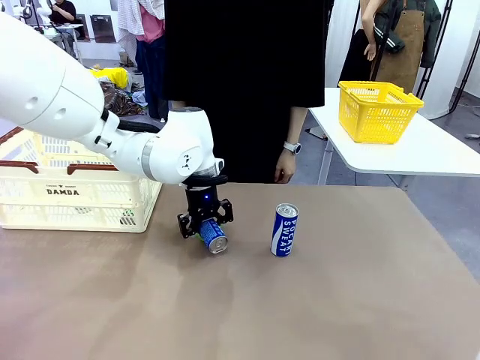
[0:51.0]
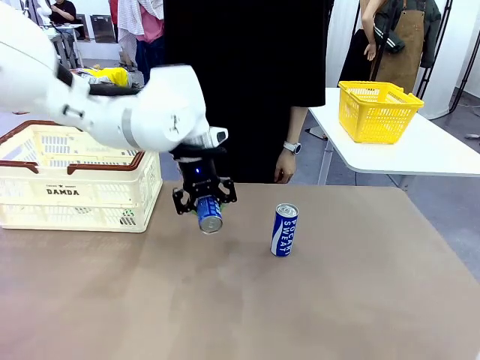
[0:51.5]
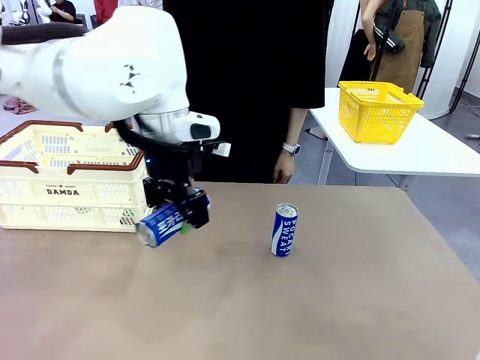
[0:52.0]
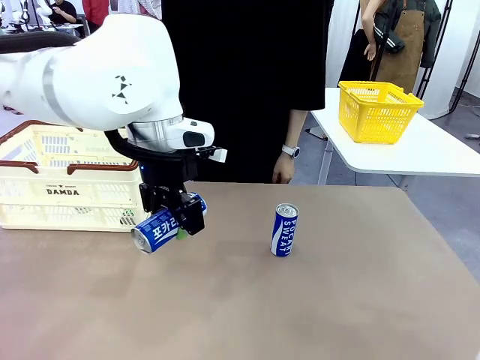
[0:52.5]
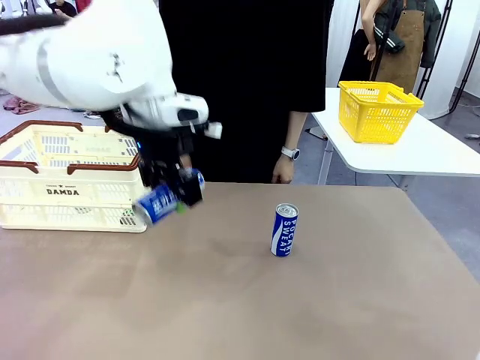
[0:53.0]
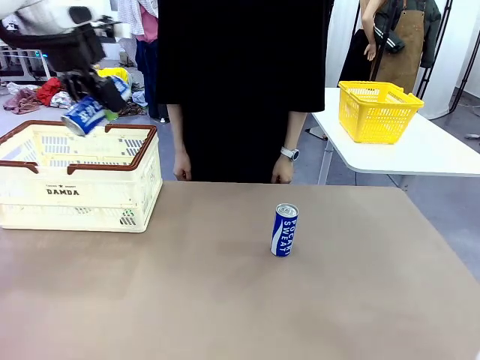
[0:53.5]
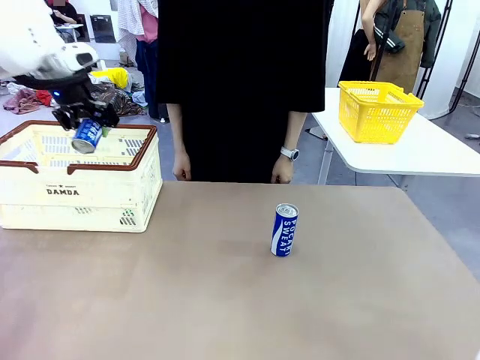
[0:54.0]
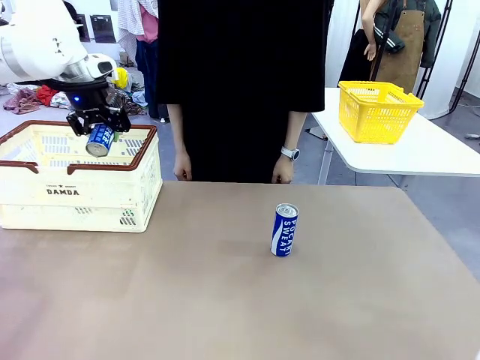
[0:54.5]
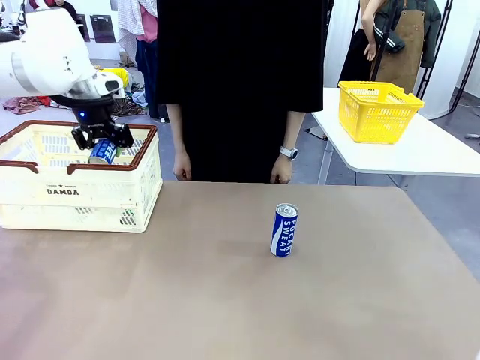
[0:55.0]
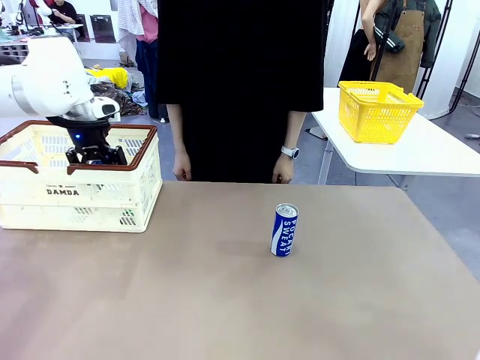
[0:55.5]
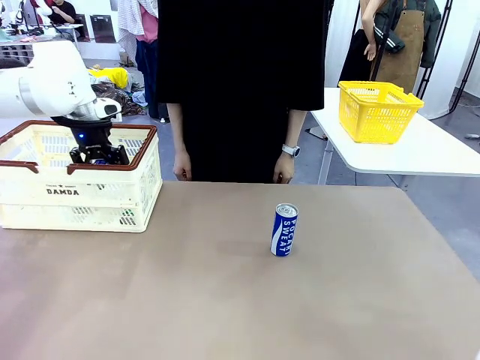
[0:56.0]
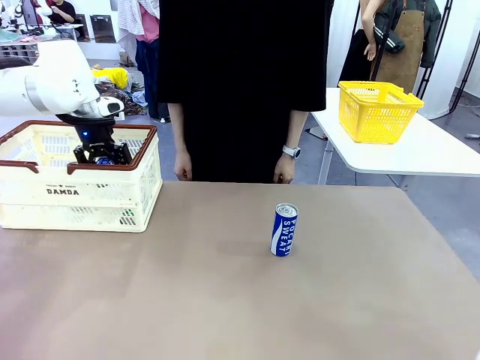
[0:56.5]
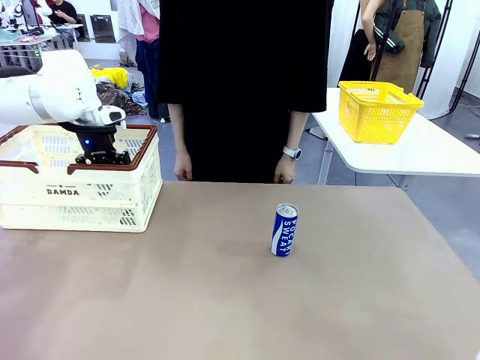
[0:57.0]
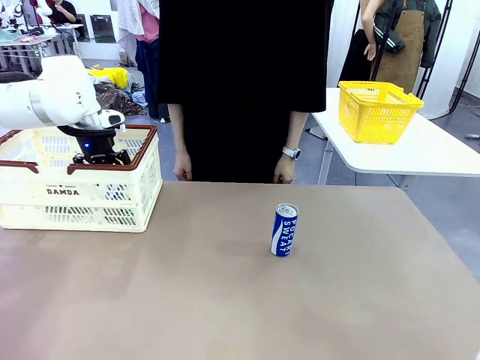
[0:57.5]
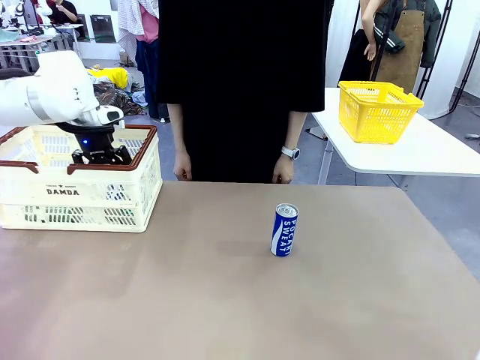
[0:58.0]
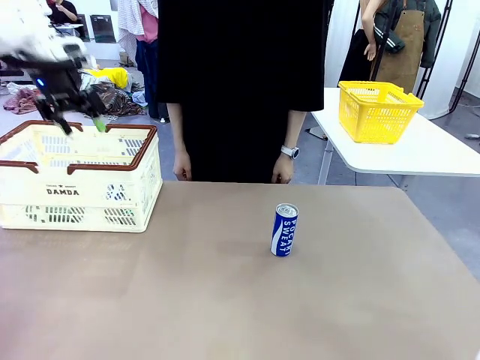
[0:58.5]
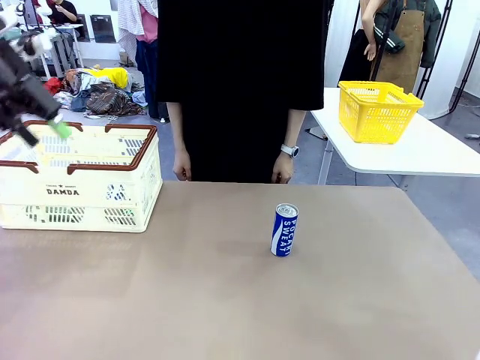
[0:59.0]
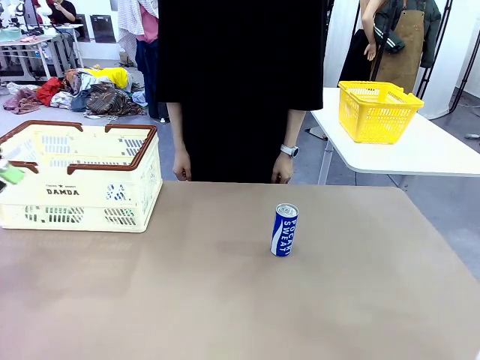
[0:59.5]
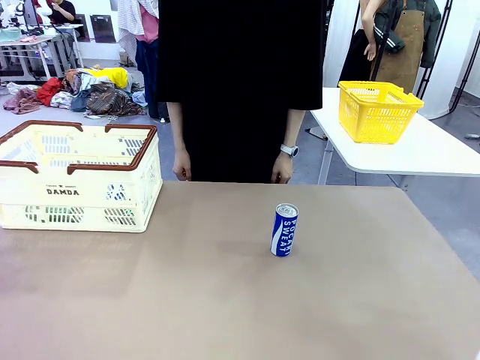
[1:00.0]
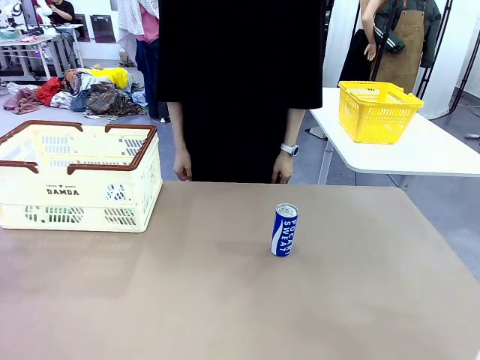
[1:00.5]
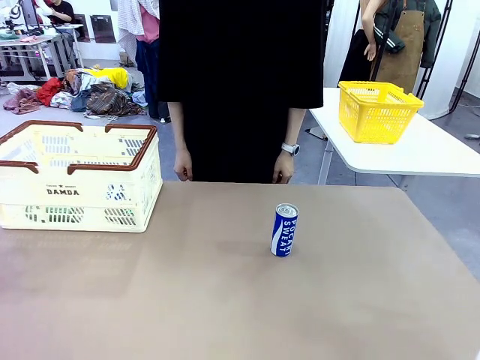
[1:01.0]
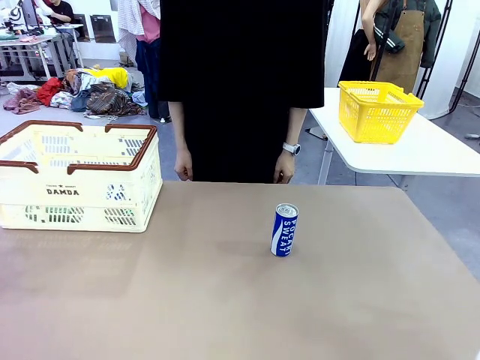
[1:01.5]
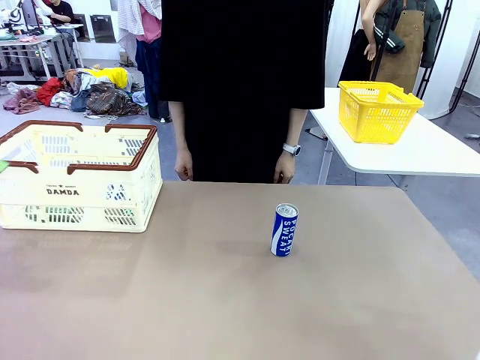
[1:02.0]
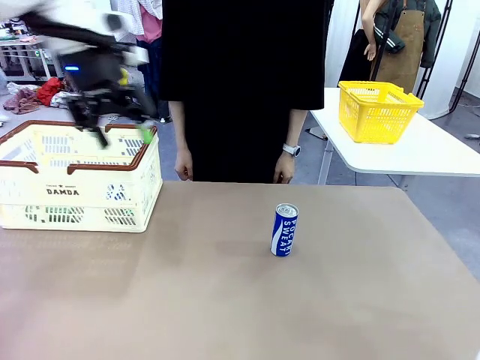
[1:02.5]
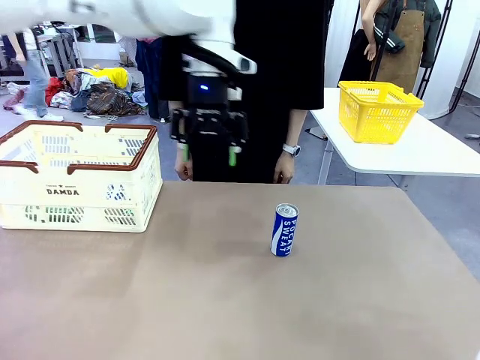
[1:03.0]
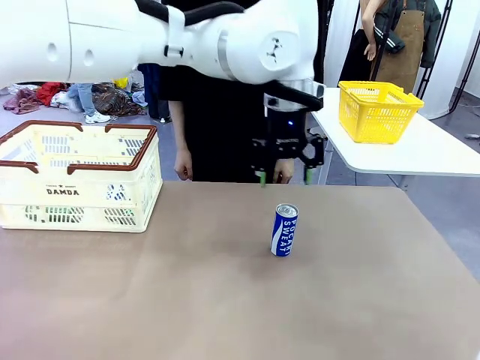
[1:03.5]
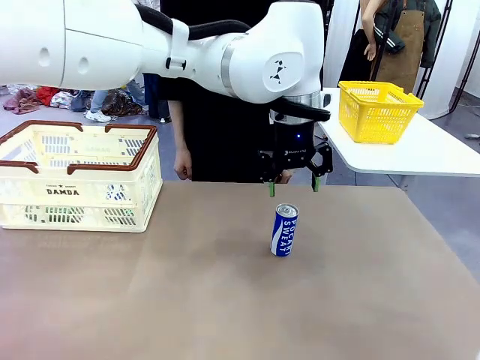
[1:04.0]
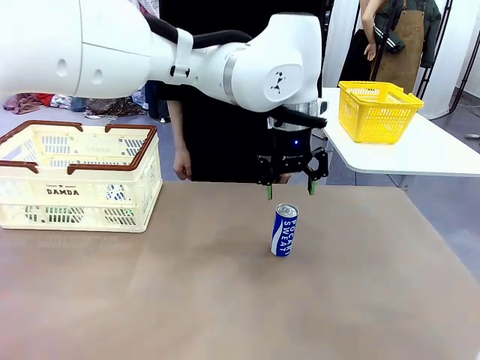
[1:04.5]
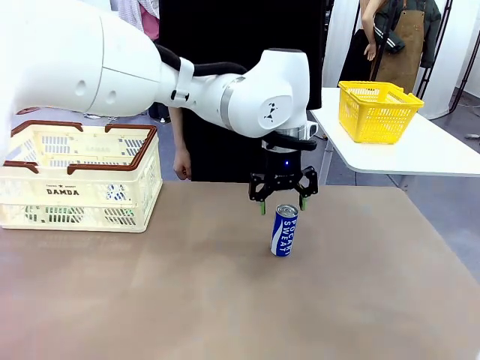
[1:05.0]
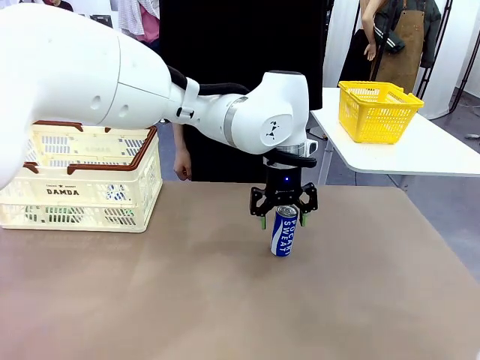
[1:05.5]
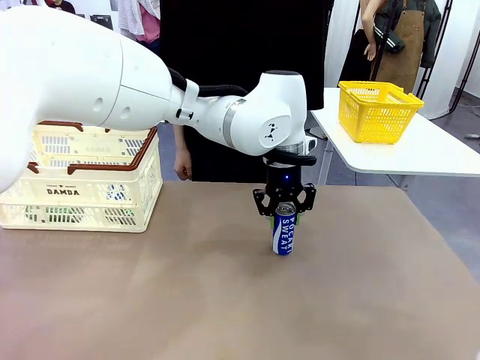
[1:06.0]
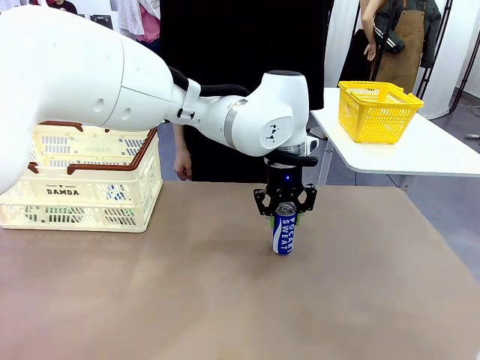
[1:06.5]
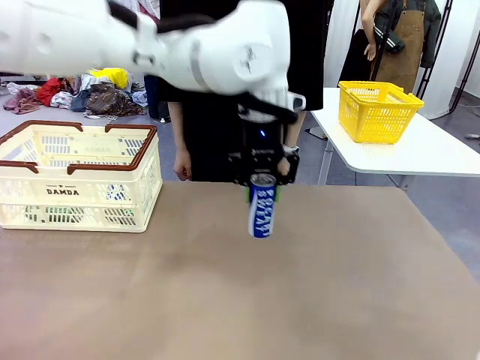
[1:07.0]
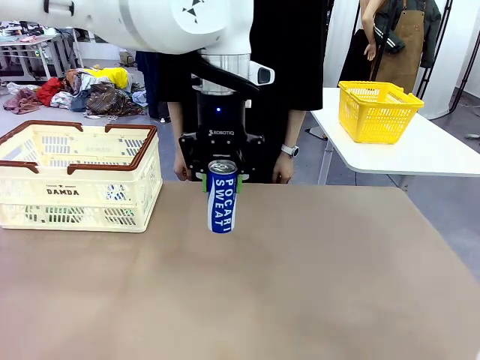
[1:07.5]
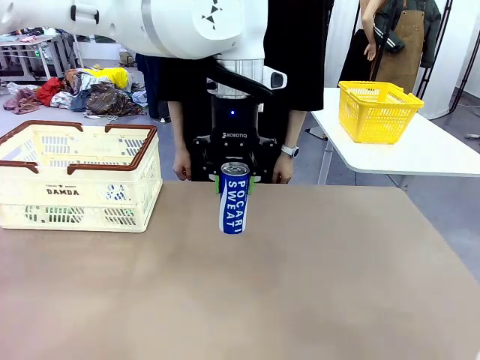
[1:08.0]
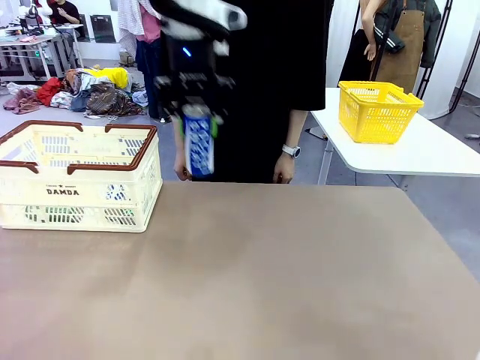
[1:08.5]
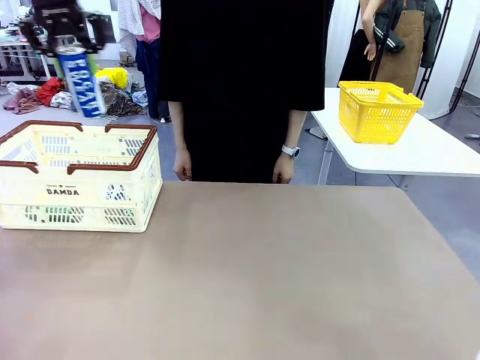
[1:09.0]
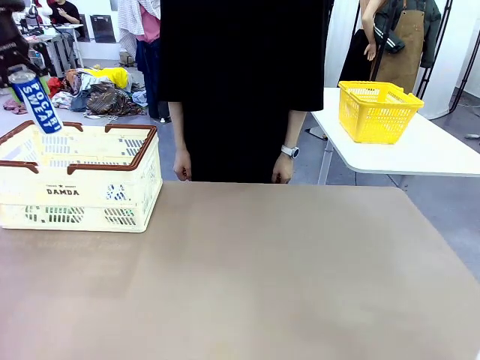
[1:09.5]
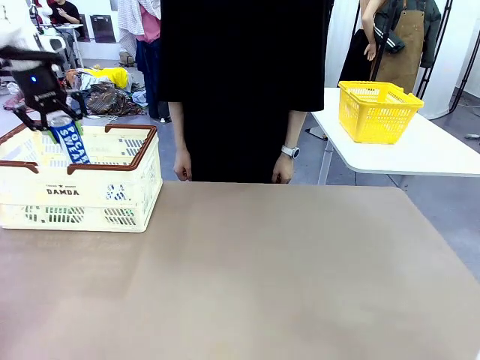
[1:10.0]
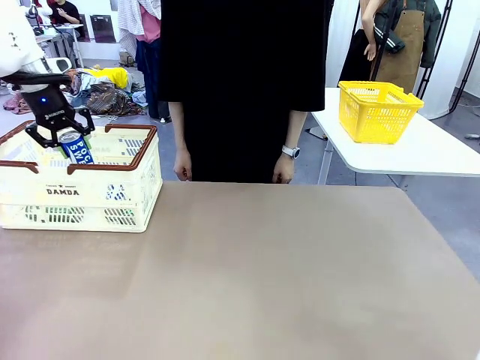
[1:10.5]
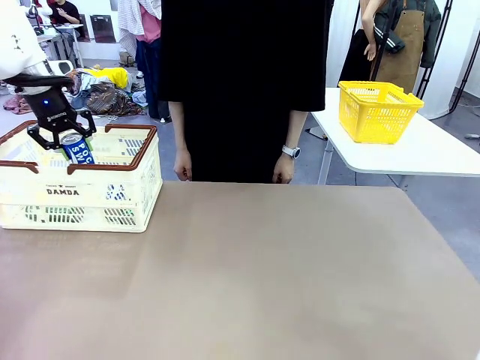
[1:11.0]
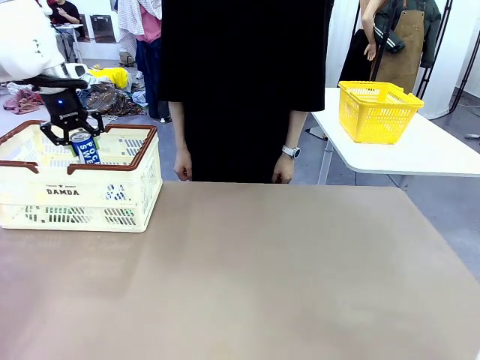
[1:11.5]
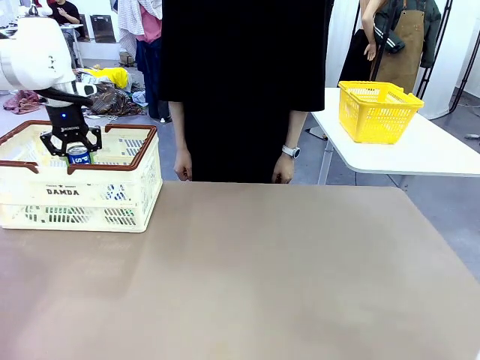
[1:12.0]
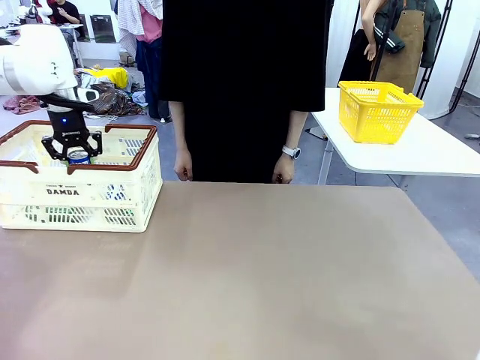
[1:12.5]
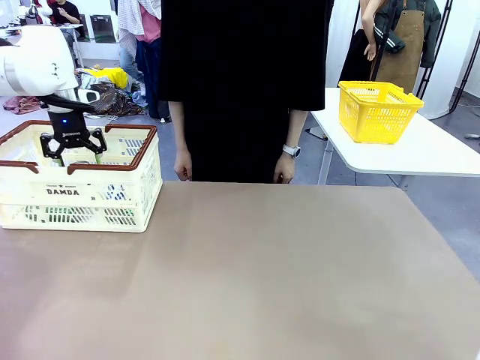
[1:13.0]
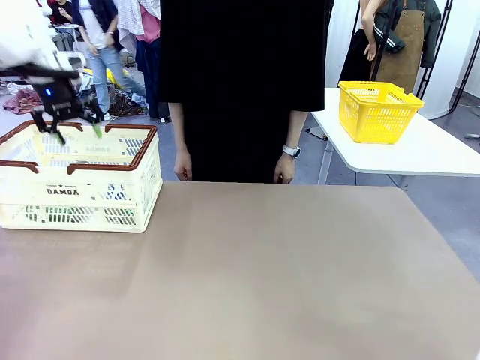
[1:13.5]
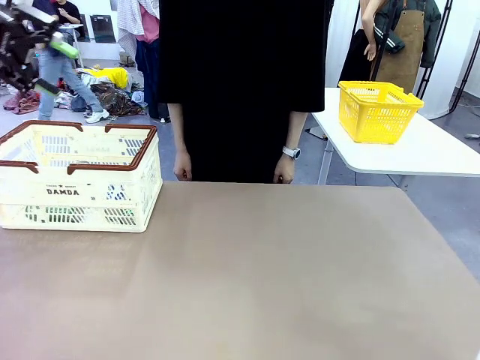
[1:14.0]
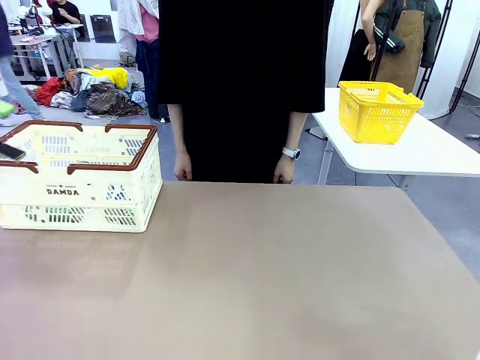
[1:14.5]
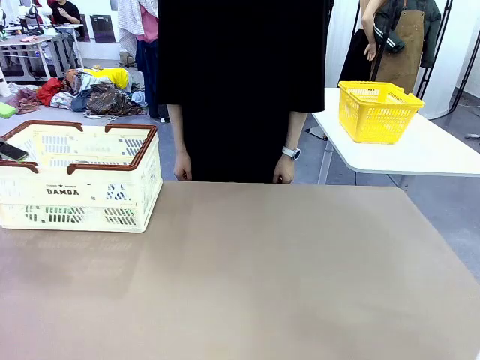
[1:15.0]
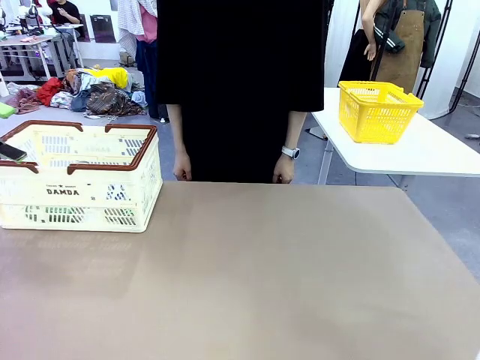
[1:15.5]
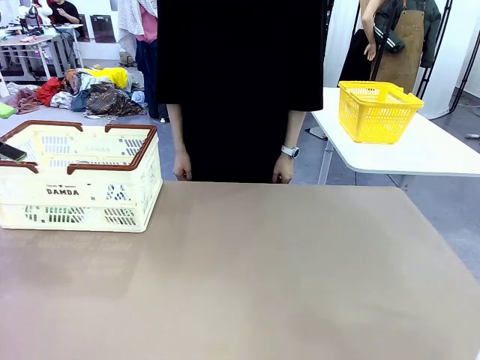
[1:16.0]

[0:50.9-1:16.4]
Task: Place the drinks into the Shopping basket.
Robot: Pick up one drink and place it into the Shopping basket.
